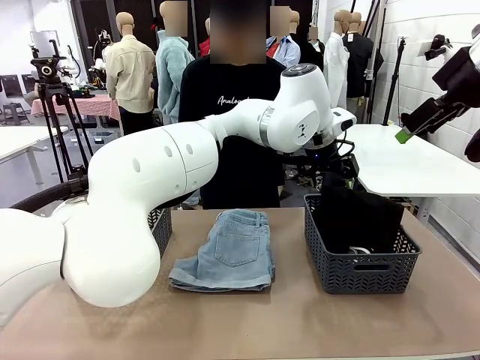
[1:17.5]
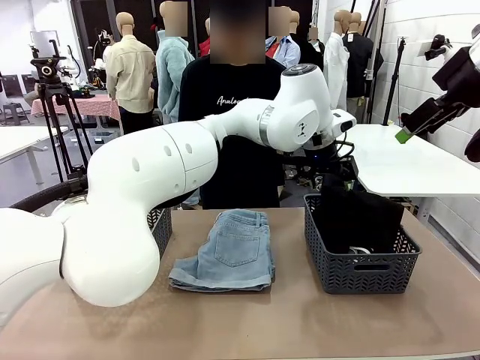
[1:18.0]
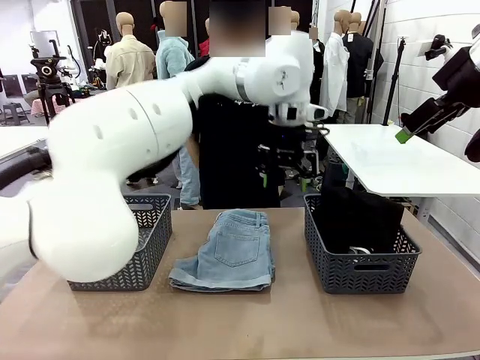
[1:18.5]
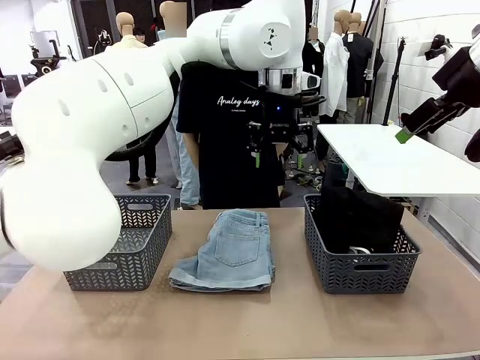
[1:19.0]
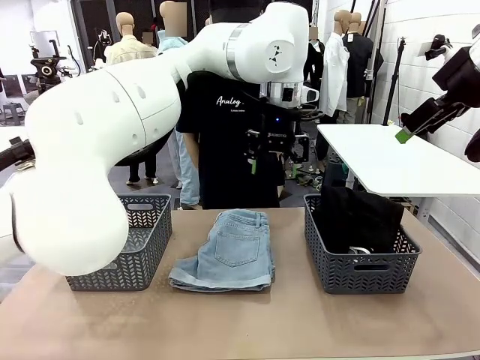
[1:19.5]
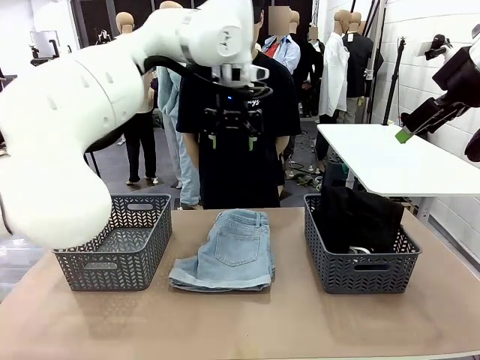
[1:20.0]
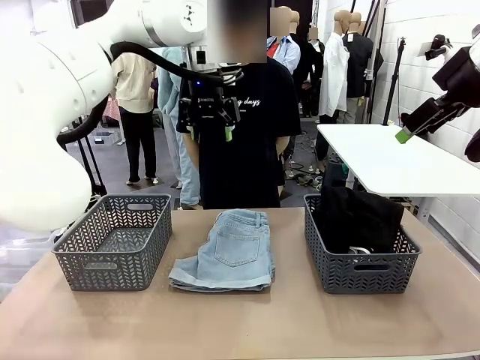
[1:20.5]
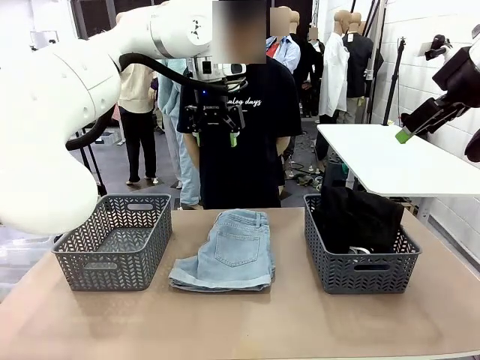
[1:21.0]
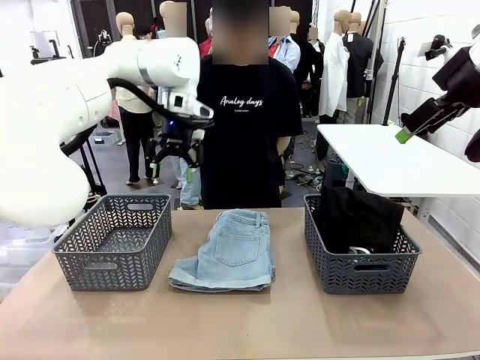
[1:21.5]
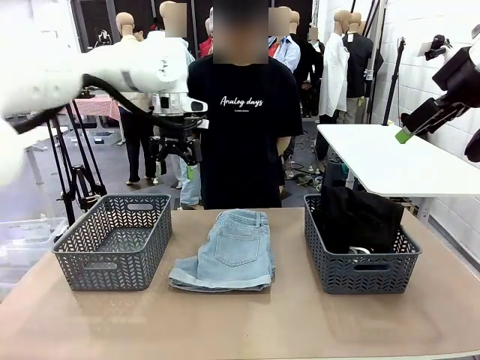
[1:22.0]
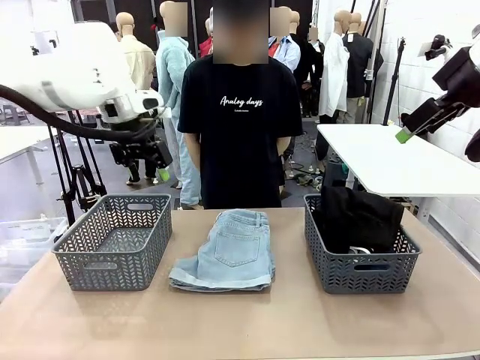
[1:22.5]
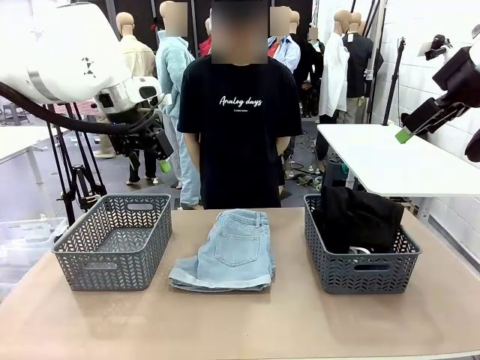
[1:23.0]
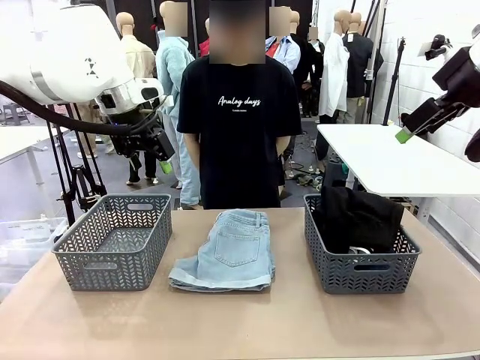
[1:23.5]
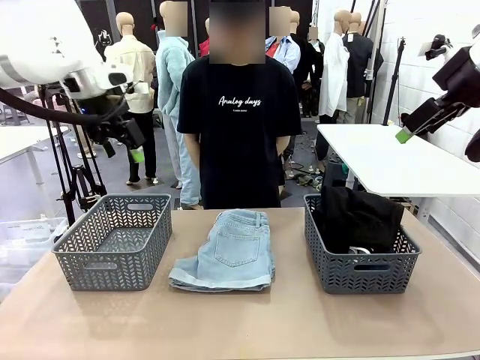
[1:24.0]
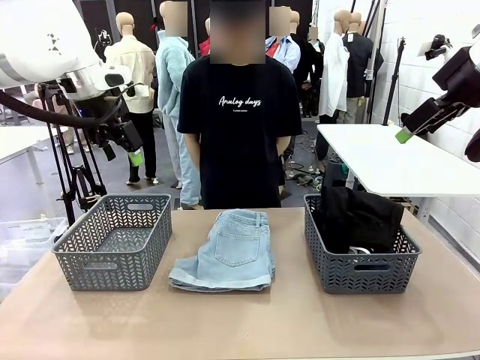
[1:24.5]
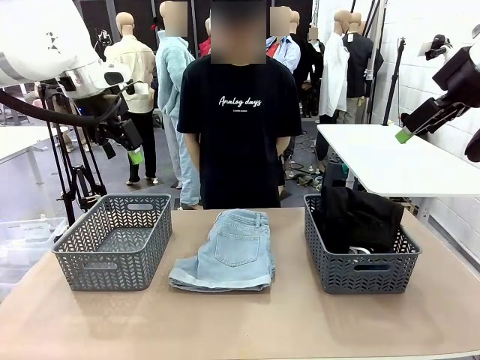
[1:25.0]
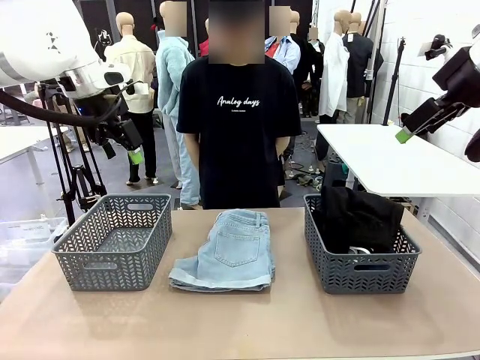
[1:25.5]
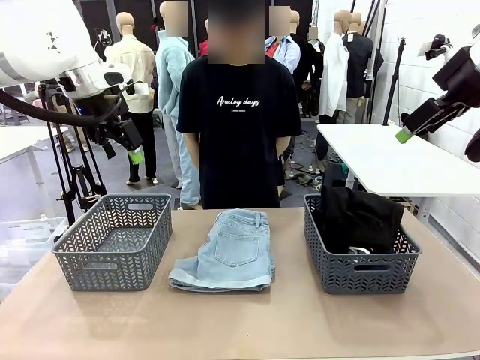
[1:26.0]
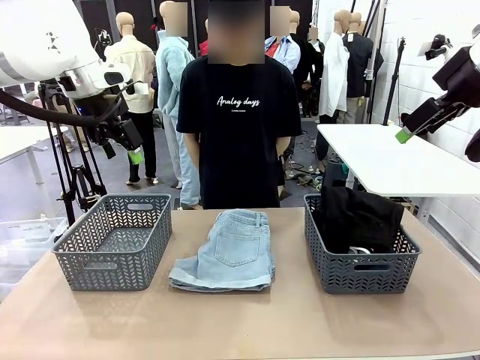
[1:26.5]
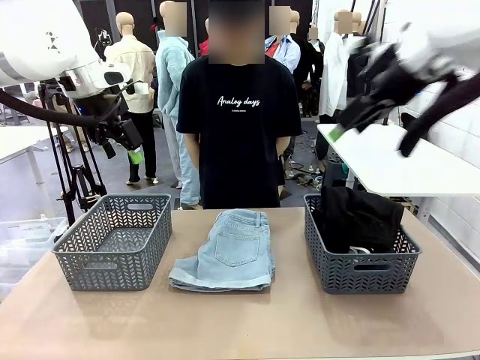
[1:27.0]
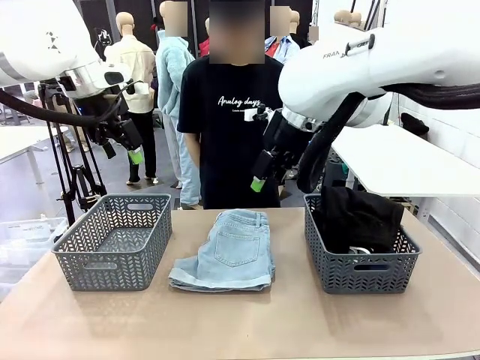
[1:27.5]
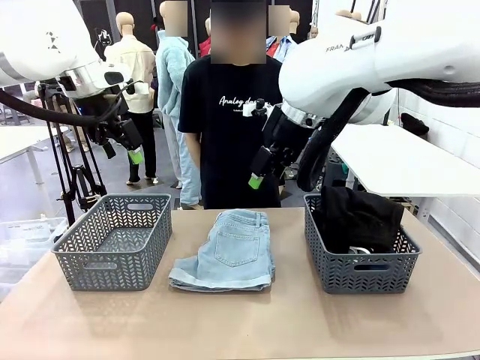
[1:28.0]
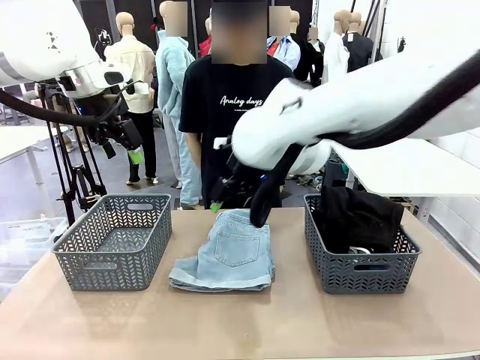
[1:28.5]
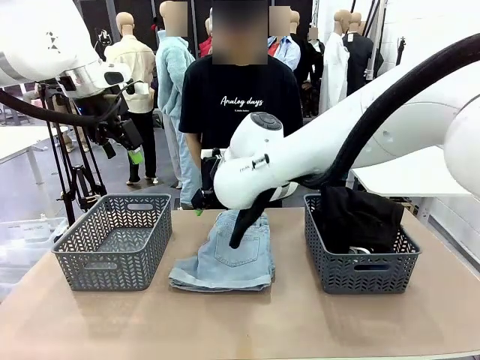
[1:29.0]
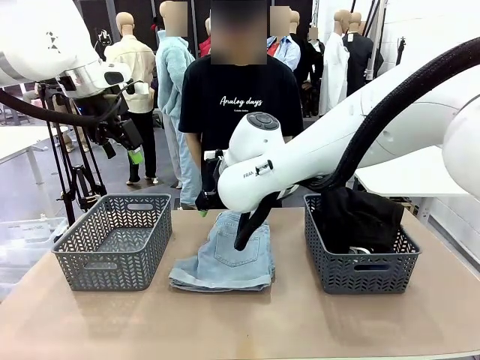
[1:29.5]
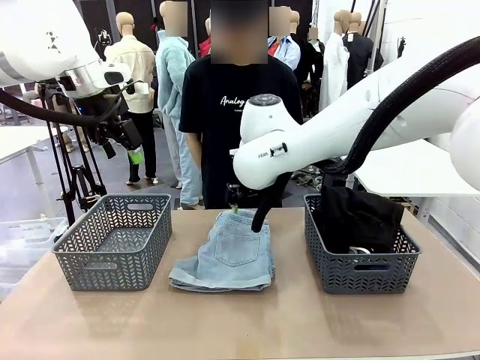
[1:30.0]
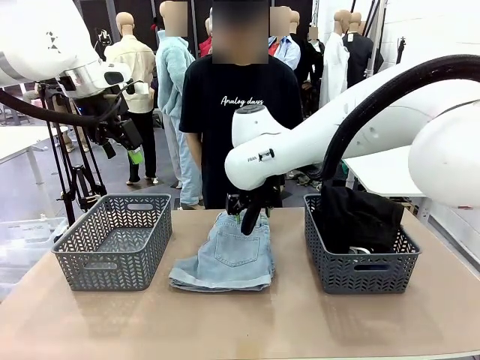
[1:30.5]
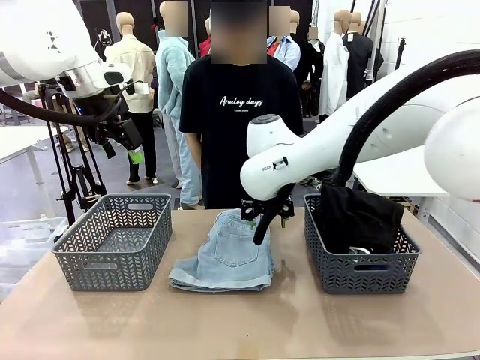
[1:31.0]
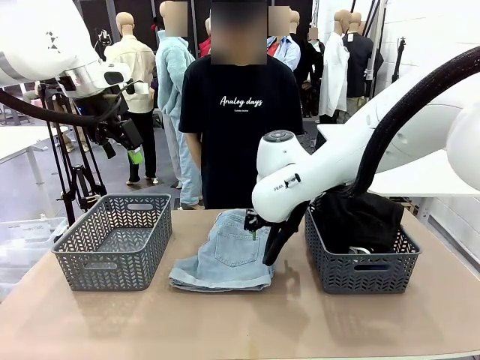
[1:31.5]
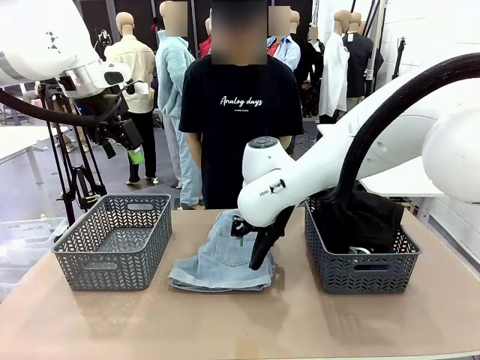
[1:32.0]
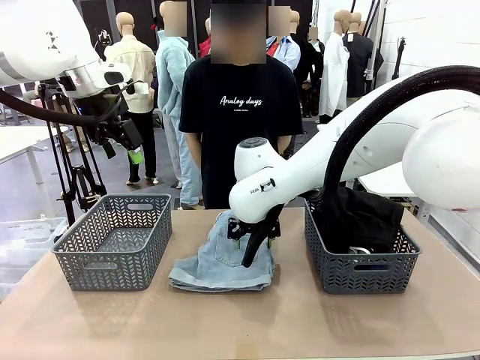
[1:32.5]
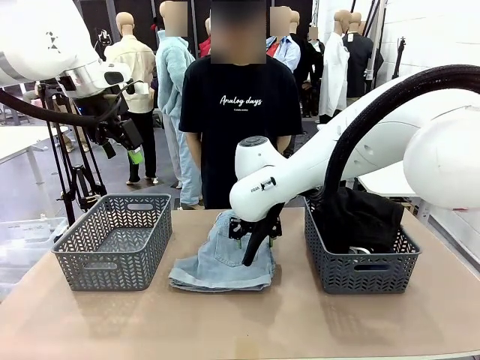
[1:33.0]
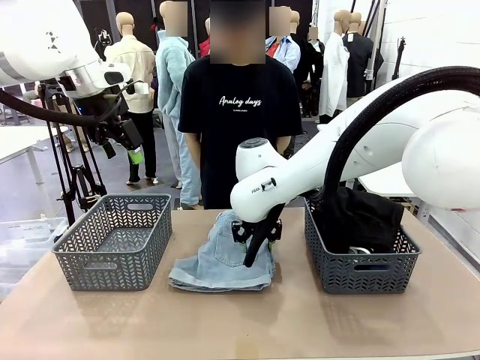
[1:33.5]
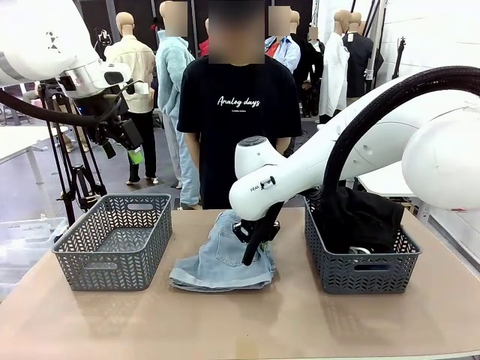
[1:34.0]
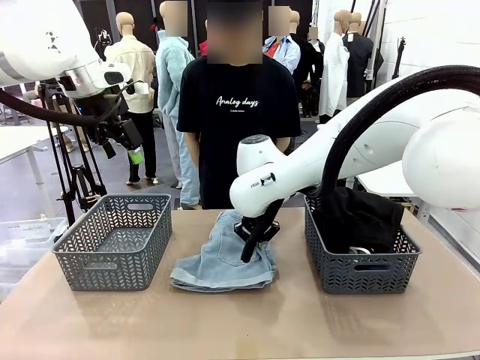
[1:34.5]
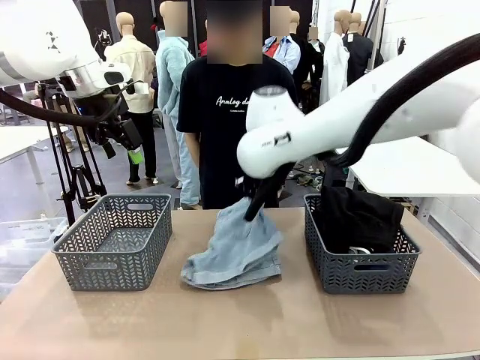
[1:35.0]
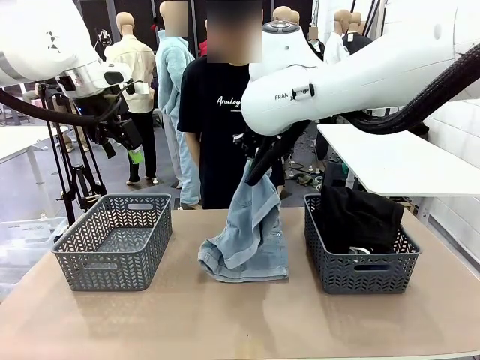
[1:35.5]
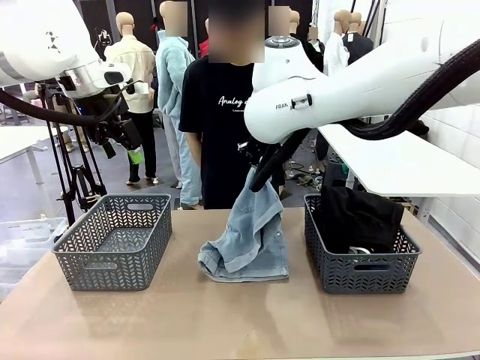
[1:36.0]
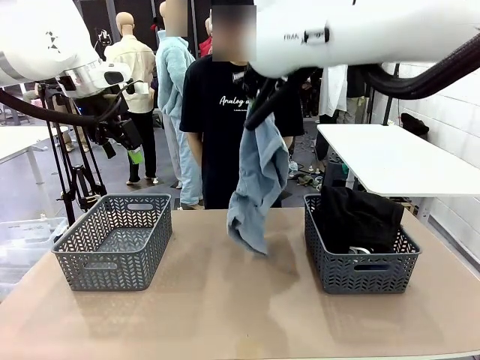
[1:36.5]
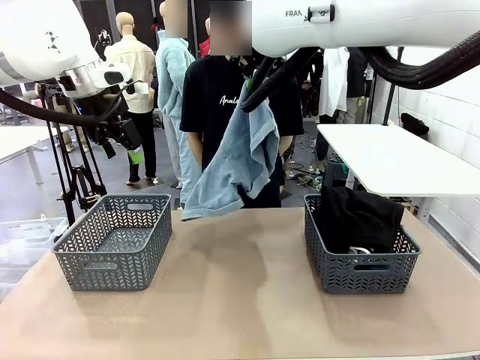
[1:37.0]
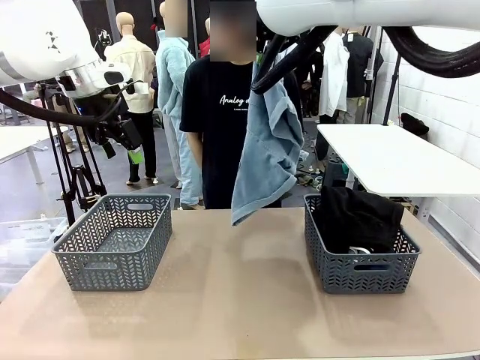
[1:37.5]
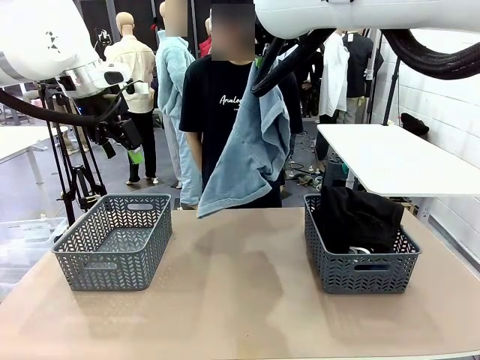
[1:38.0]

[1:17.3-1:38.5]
Task: Sort the tops and bottoms.
Robot: Lift clothes from the center of the table with your right hand.

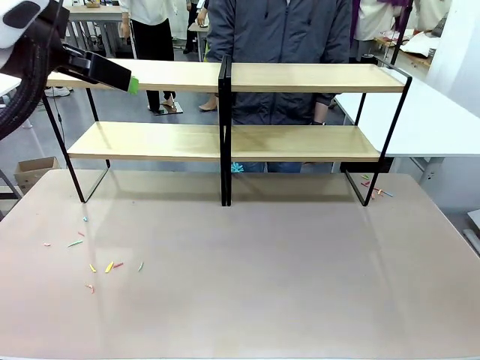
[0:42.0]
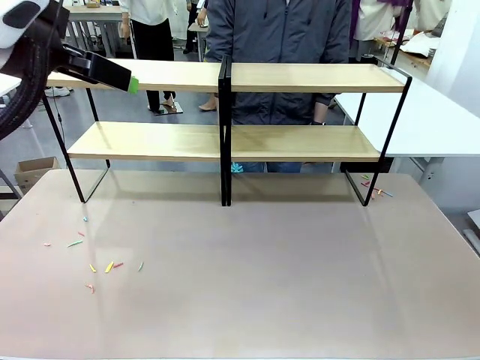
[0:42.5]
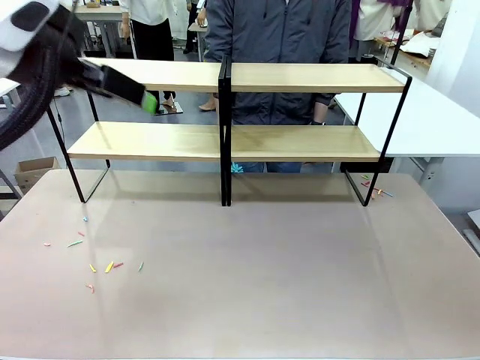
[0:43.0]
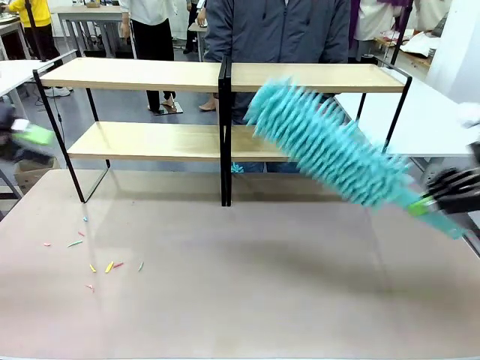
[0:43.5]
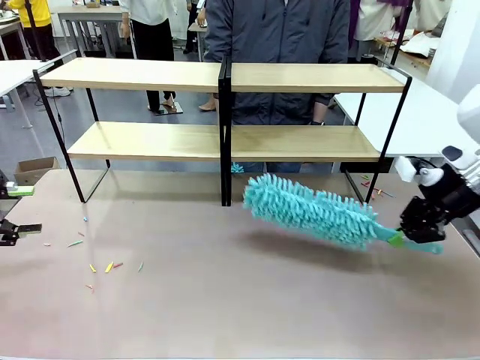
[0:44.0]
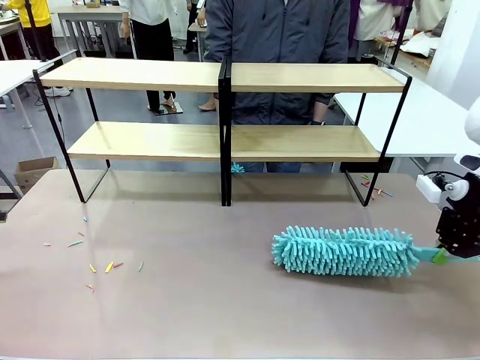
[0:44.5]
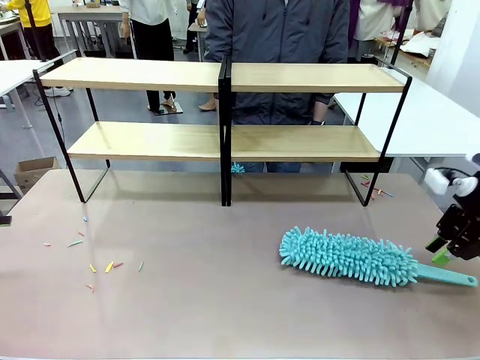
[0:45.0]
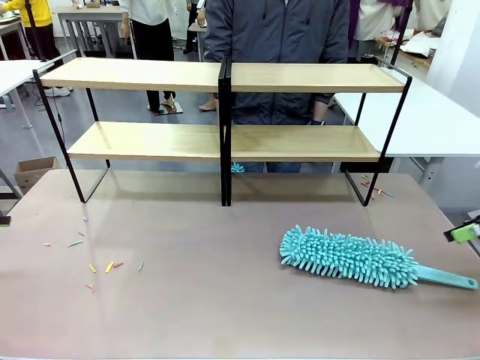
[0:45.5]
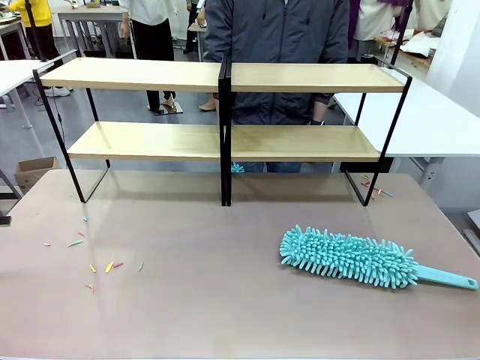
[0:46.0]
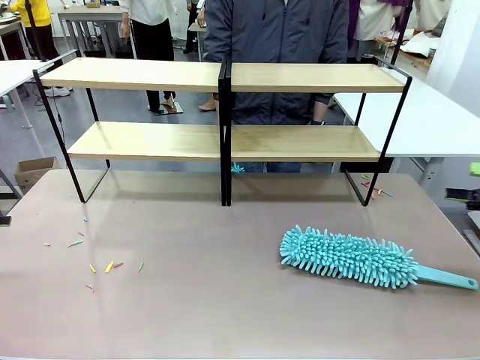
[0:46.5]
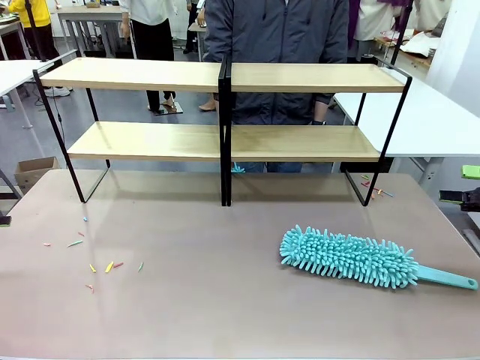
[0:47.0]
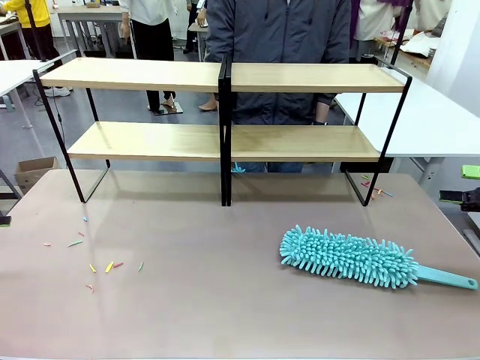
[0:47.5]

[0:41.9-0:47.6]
Task: Clean the shelves.
Robot: Place the Duster on the table.
